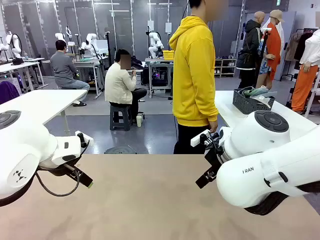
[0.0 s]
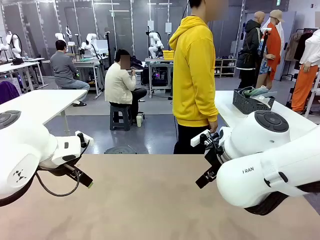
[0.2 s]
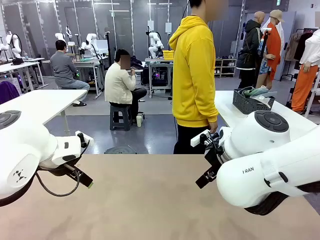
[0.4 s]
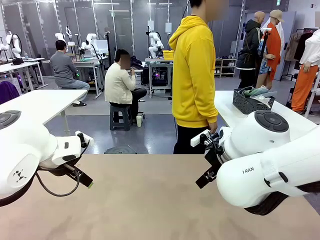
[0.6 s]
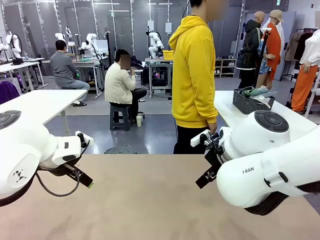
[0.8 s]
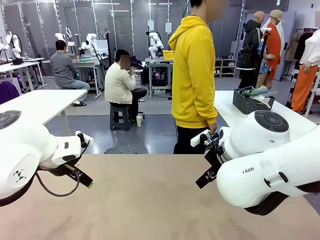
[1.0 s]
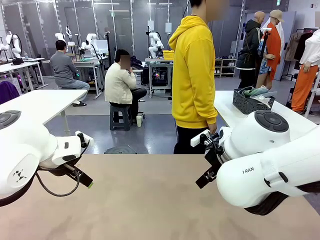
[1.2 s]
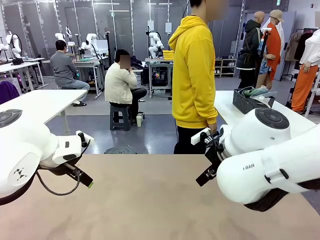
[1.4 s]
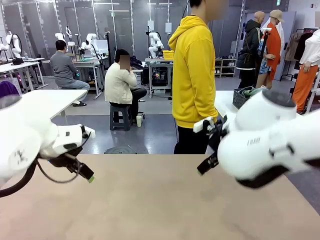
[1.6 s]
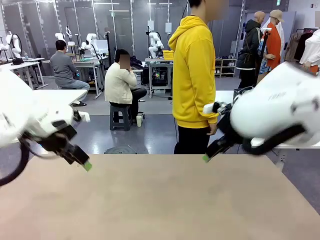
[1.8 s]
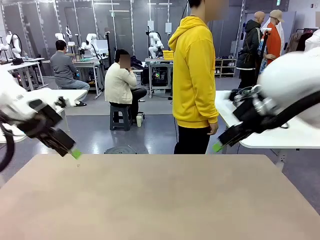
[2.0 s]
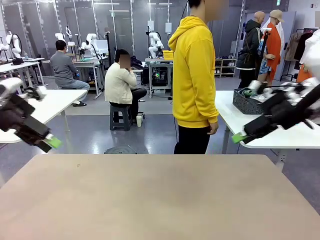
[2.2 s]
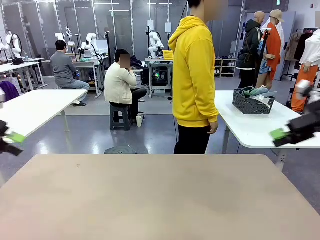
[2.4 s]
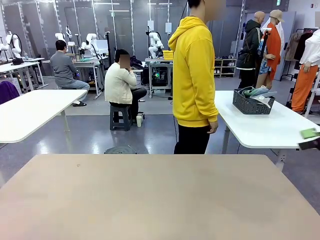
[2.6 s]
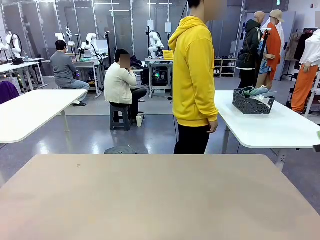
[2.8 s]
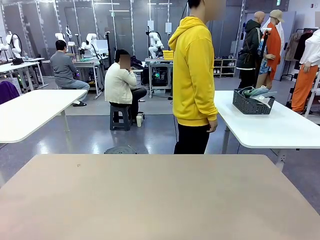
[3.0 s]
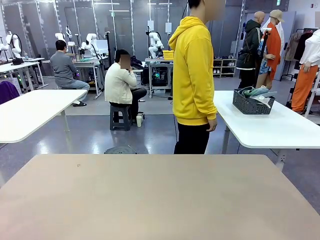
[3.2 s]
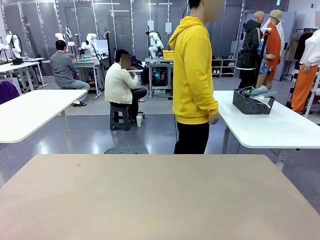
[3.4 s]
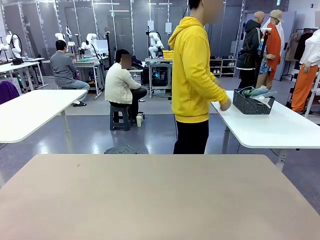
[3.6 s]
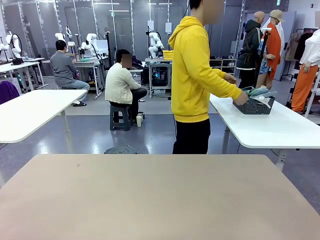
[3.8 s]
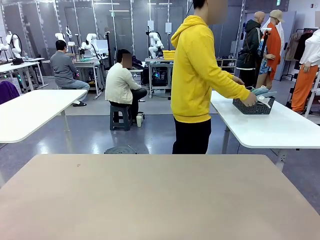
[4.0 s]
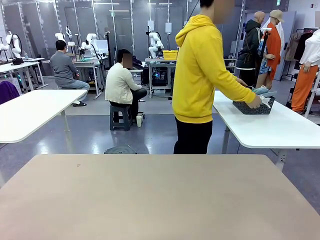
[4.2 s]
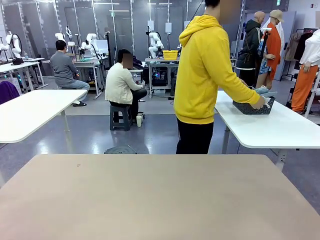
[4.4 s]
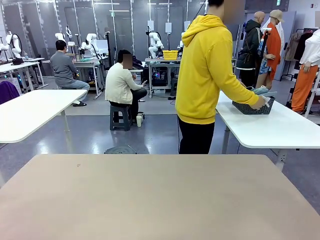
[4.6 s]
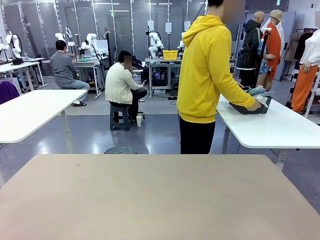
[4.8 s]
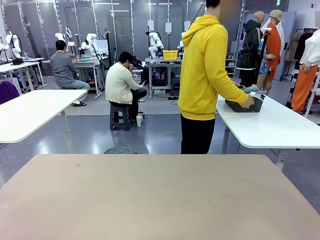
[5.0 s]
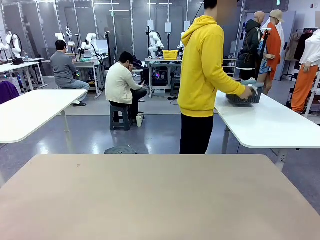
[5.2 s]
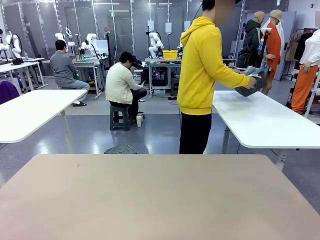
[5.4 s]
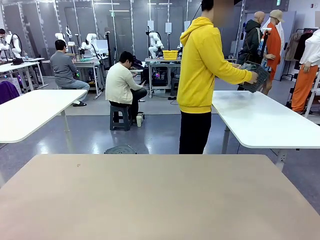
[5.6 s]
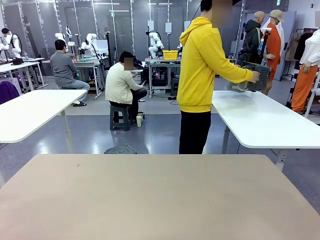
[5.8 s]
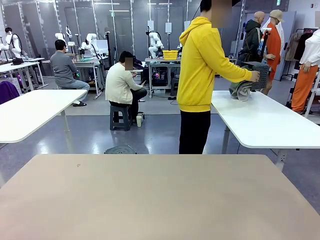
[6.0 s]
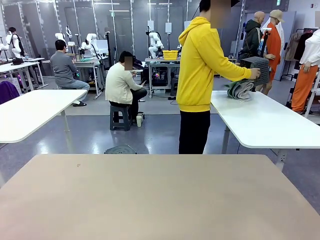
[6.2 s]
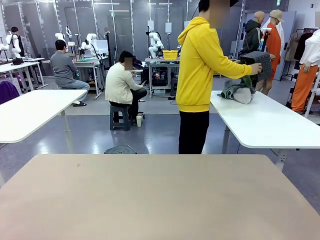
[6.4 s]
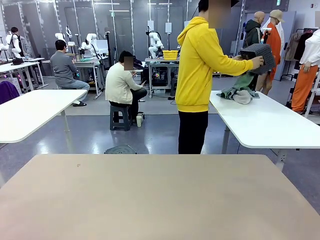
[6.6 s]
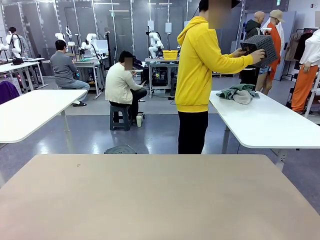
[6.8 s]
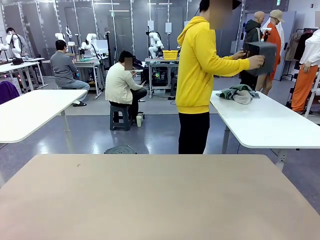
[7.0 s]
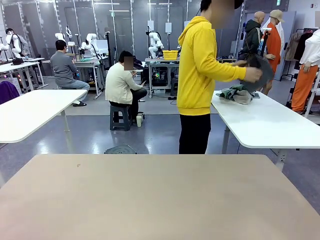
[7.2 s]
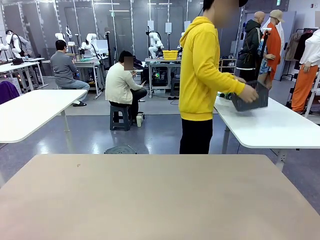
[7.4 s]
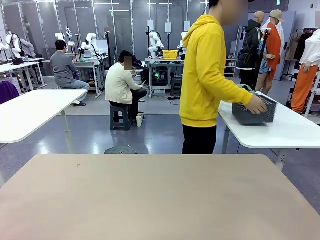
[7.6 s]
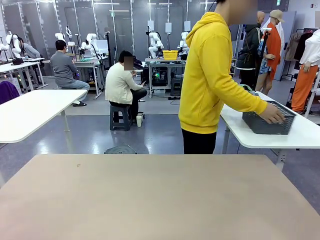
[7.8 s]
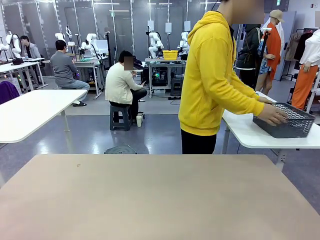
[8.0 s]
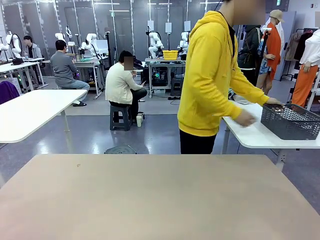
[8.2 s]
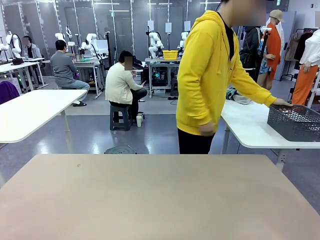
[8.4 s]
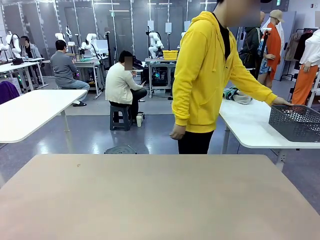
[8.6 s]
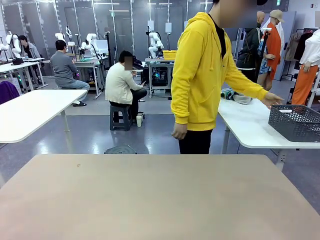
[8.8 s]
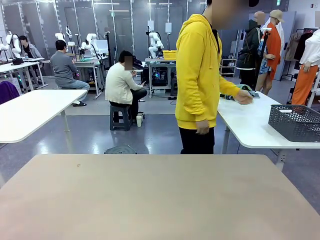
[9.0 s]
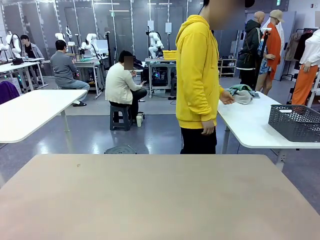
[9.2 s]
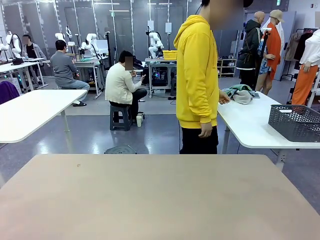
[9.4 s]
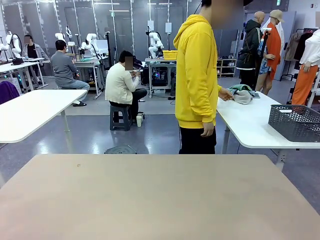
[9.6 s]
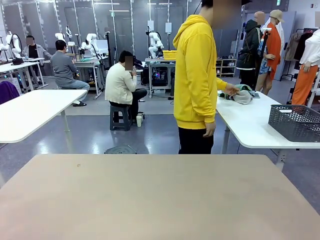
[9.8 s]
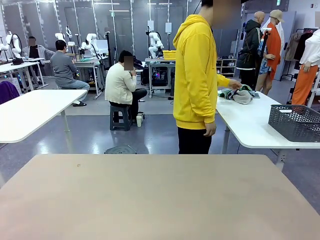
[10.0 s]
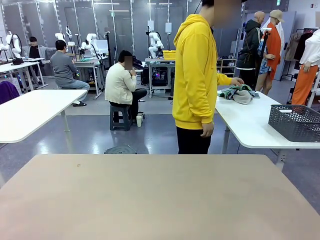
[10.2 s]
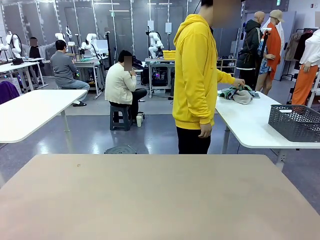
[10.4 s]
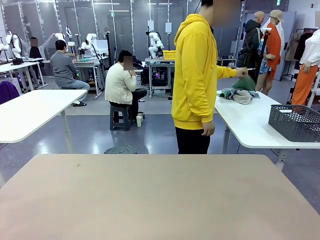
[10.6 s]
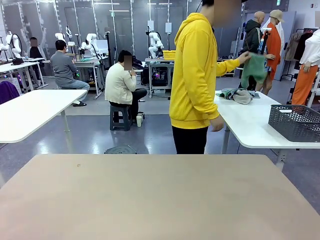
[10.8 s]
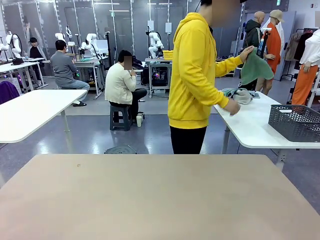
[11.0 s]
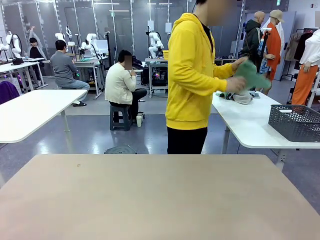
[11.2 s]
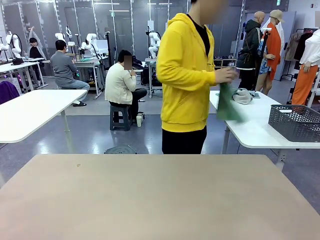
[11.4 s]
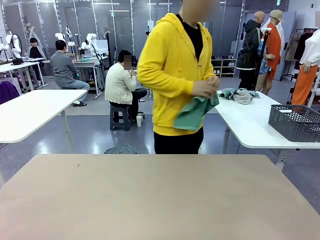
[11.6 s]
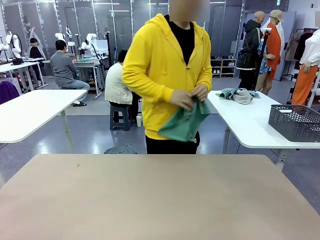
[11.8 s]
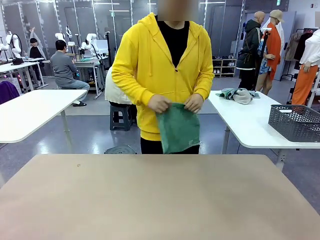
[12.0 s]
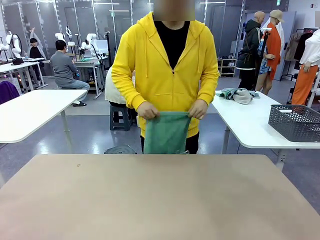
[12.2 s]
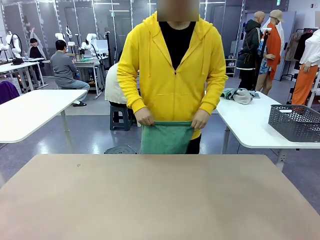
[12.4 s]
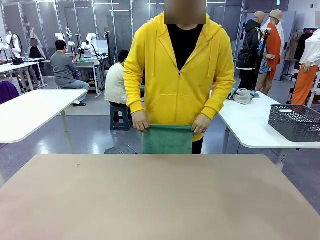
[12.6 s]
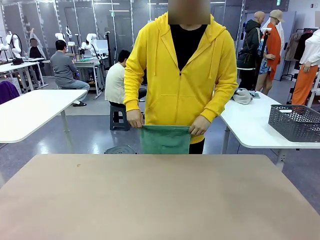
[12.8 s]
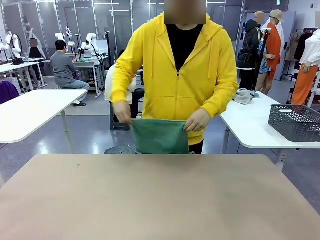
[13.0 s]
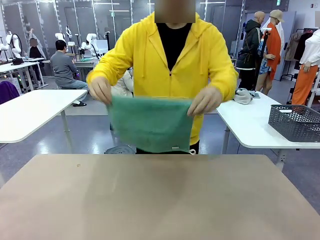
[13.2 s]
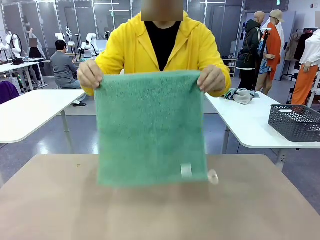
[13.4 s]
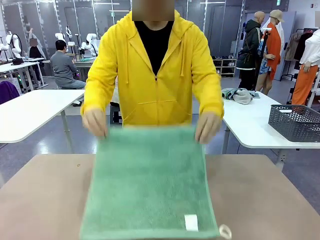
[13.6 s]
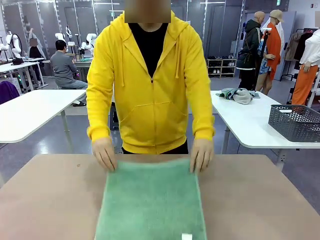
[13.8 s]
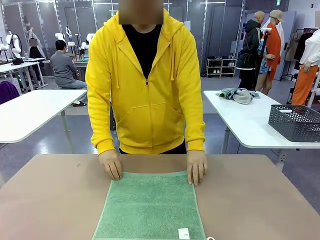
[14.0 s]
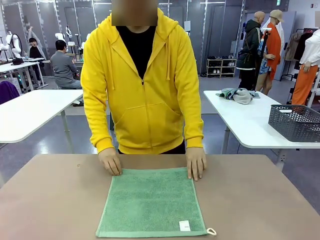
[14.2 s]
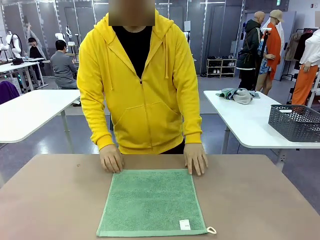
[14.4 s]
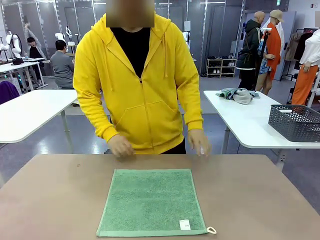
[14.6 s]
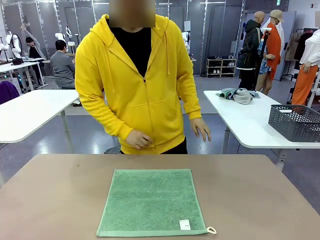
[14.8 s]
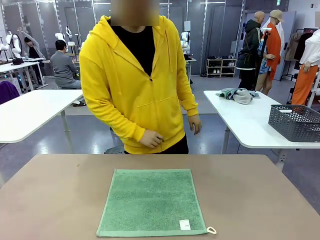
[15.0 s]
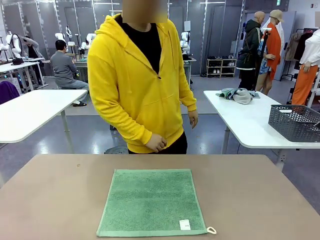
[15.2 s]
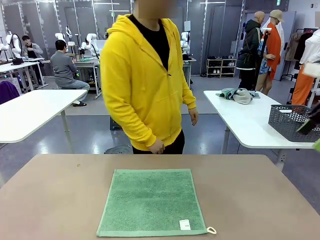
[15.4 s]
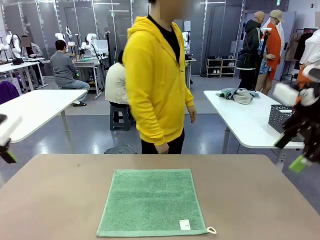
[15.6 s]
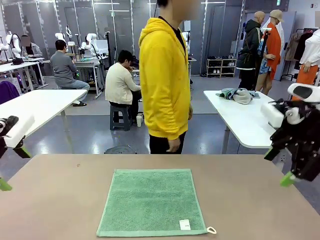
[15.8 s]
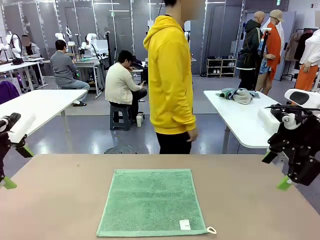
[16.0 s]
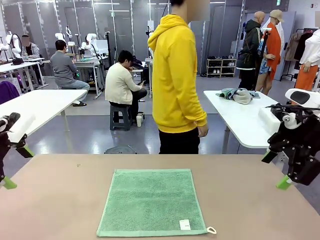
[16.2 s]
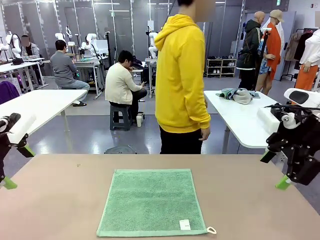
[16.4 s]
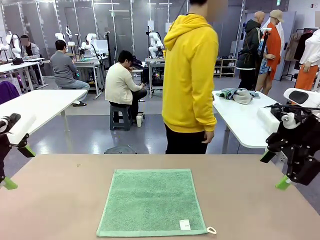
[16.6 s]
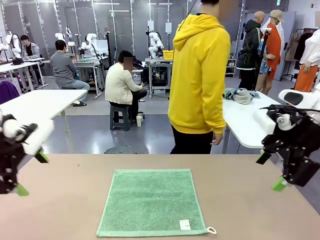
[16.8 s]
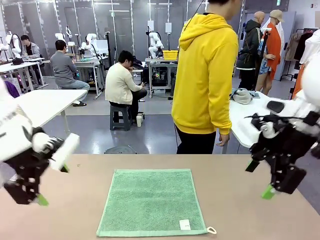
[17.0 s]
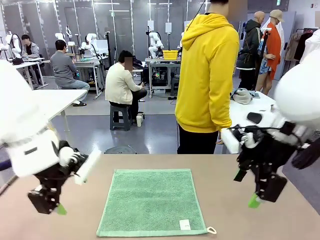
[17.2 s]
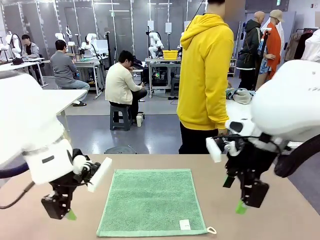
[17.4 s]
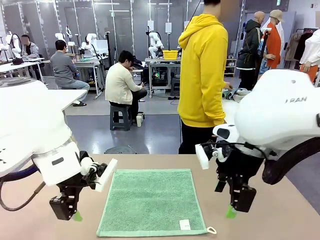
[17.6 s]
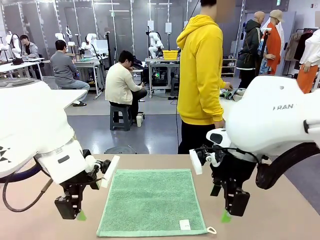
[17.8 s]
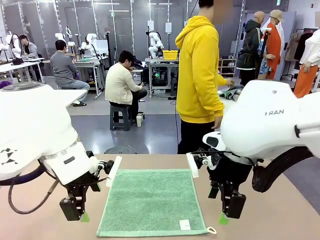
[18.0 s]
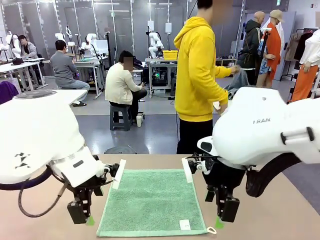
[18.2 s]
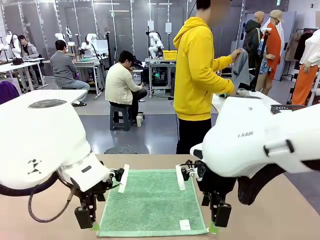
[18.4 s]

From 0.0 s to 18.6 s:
Task: Fold the towels and place them in the basket.
Robot: When a person lays out a Towel with hook on the table, fold it in half twice.
Person: Pick up the basket, pour the towels onto the left side of the human table, and place the basket on the right side. Pick up one towel and spread it out at the center of the robot table.
